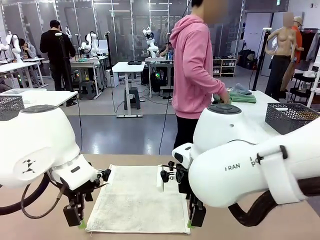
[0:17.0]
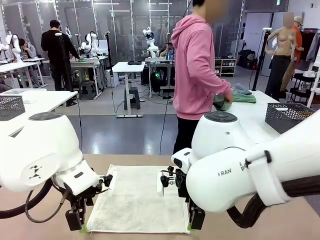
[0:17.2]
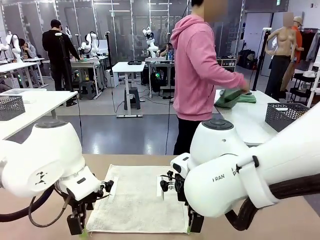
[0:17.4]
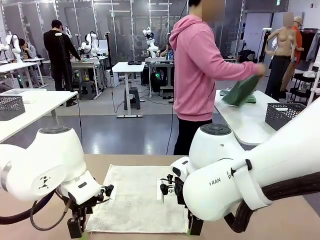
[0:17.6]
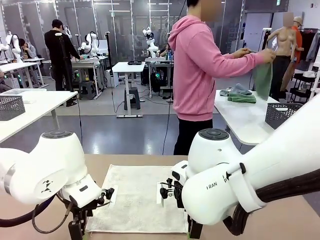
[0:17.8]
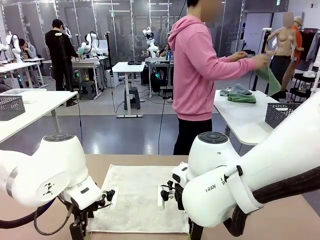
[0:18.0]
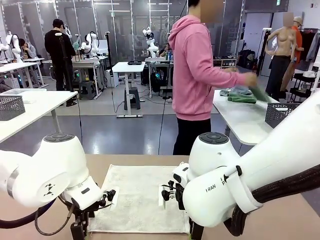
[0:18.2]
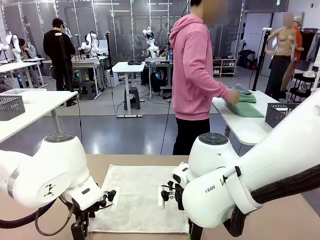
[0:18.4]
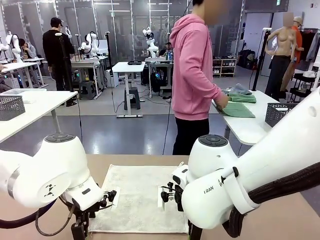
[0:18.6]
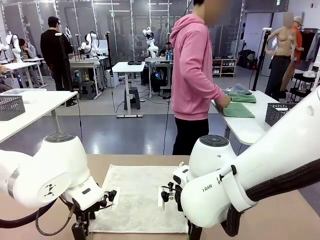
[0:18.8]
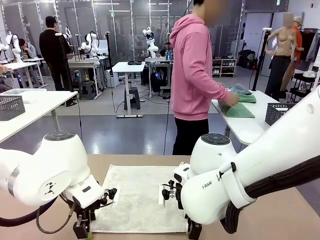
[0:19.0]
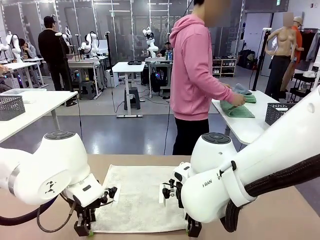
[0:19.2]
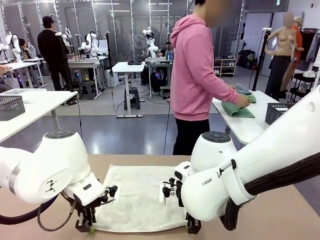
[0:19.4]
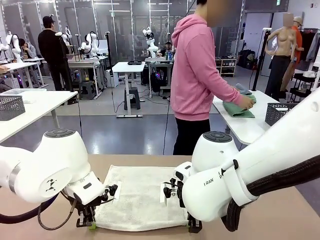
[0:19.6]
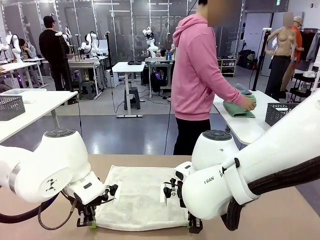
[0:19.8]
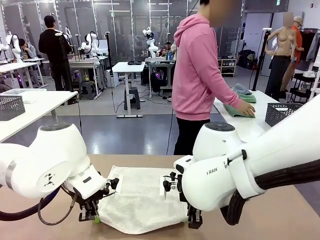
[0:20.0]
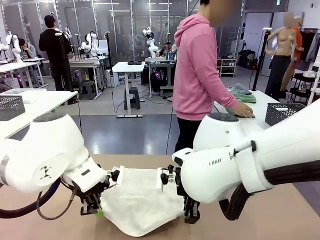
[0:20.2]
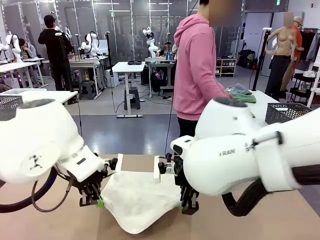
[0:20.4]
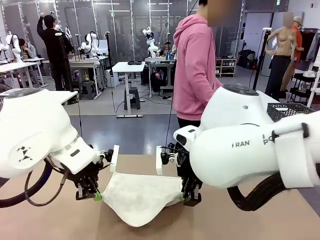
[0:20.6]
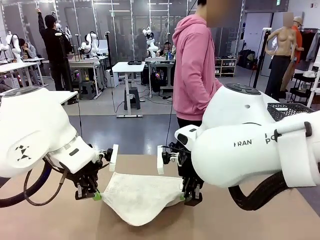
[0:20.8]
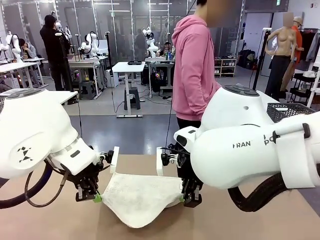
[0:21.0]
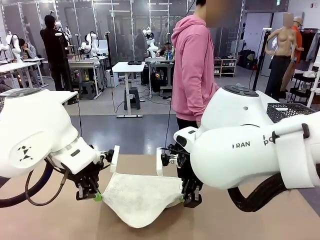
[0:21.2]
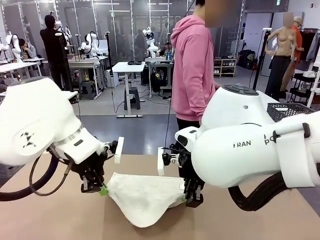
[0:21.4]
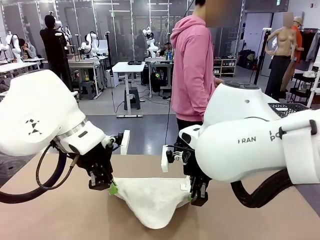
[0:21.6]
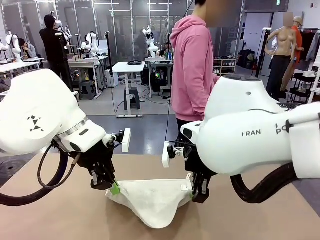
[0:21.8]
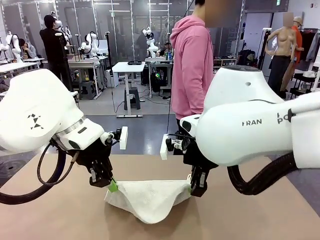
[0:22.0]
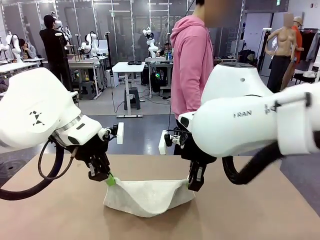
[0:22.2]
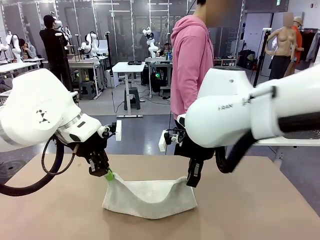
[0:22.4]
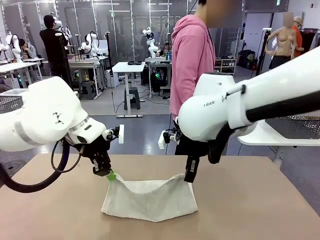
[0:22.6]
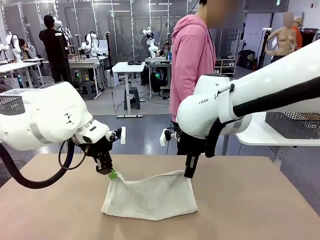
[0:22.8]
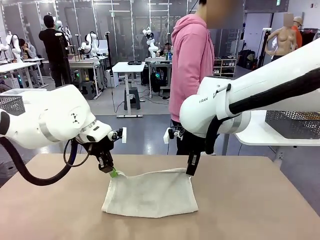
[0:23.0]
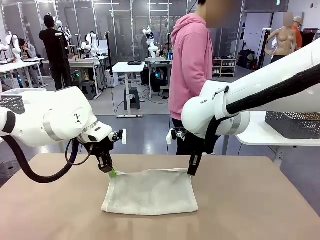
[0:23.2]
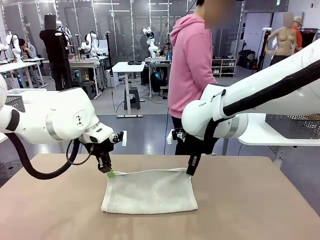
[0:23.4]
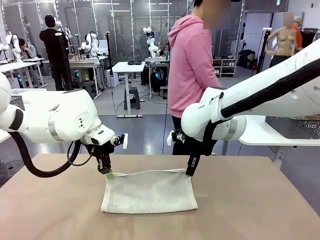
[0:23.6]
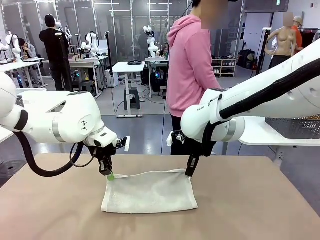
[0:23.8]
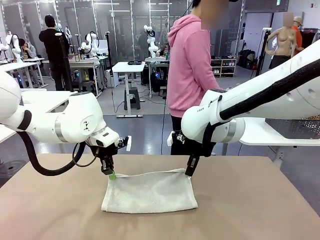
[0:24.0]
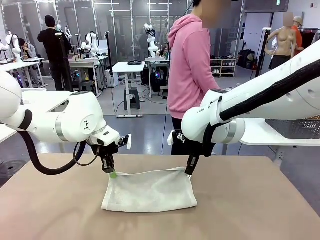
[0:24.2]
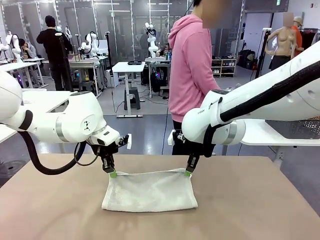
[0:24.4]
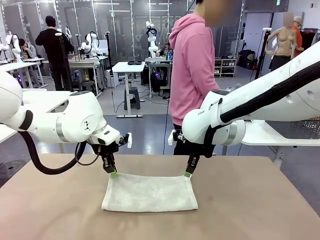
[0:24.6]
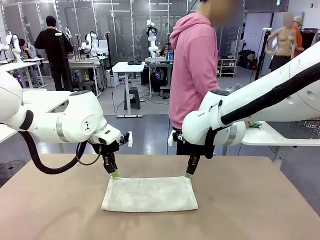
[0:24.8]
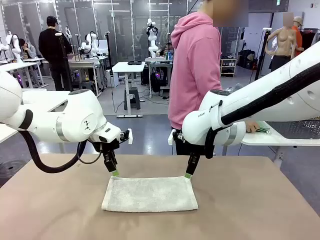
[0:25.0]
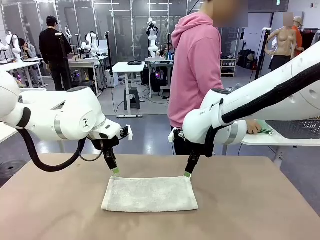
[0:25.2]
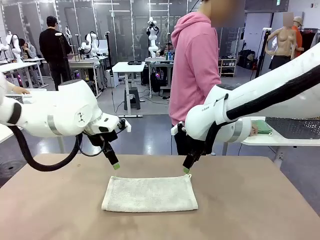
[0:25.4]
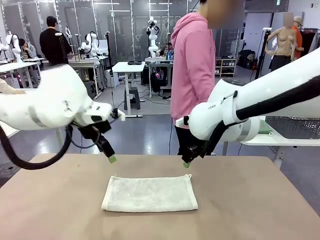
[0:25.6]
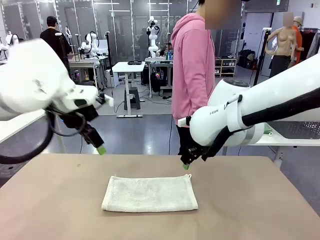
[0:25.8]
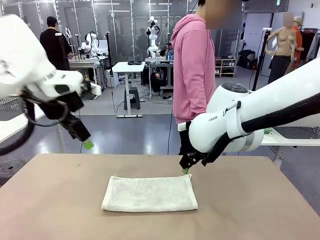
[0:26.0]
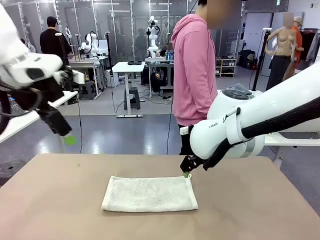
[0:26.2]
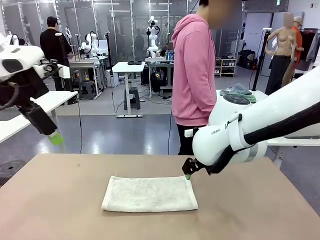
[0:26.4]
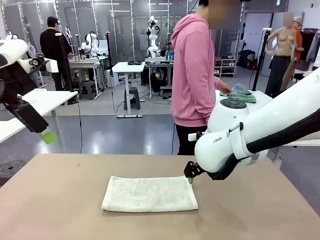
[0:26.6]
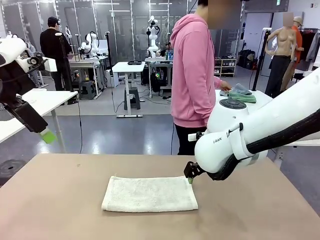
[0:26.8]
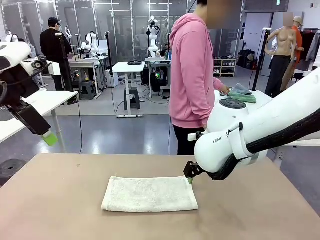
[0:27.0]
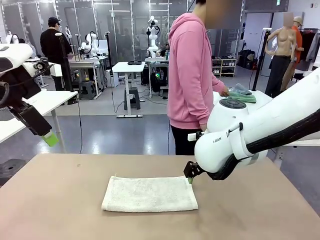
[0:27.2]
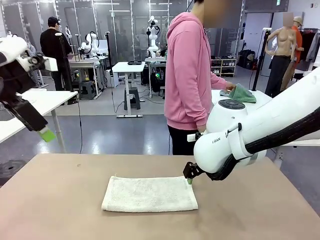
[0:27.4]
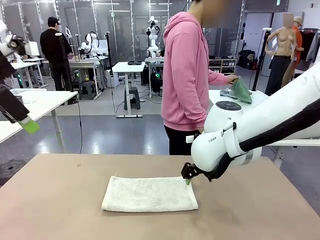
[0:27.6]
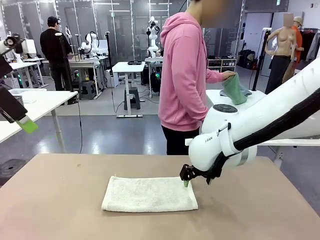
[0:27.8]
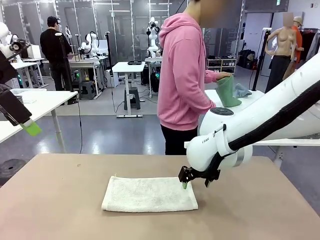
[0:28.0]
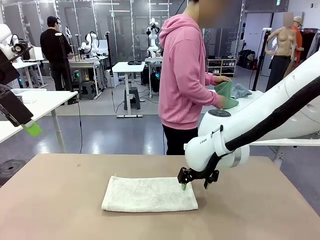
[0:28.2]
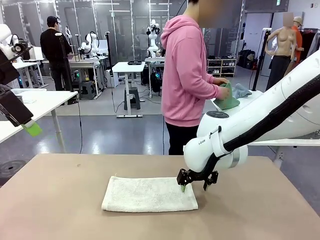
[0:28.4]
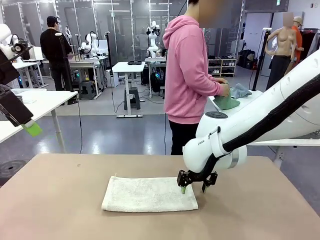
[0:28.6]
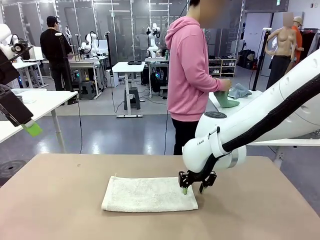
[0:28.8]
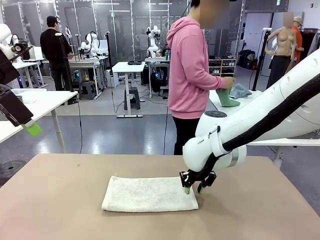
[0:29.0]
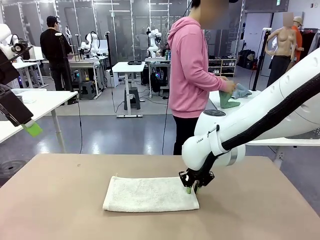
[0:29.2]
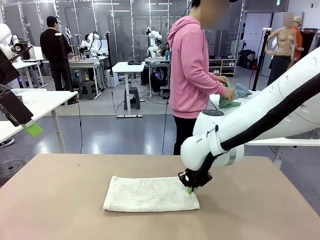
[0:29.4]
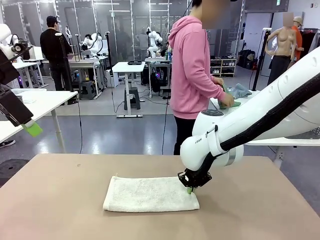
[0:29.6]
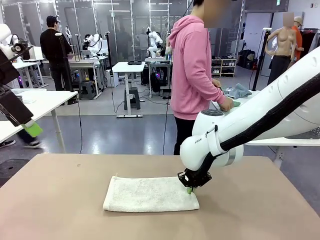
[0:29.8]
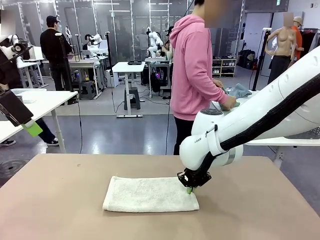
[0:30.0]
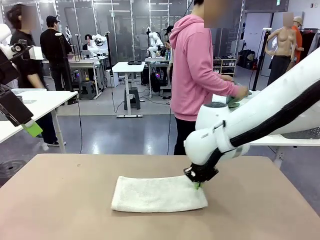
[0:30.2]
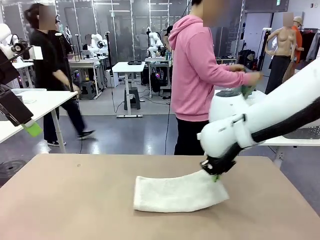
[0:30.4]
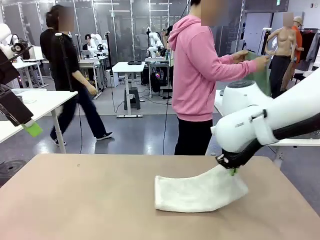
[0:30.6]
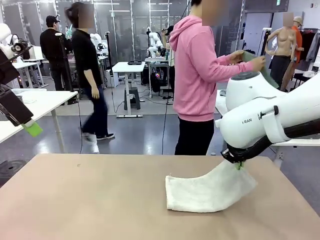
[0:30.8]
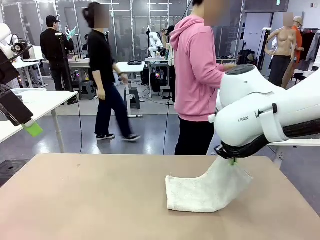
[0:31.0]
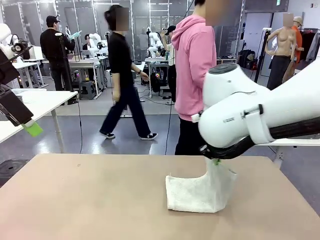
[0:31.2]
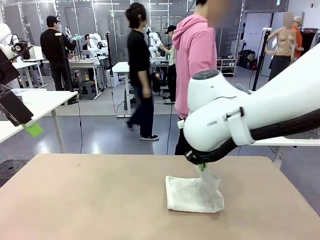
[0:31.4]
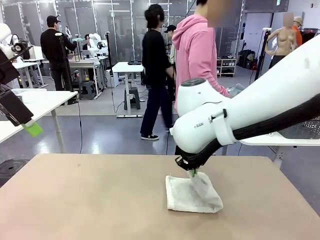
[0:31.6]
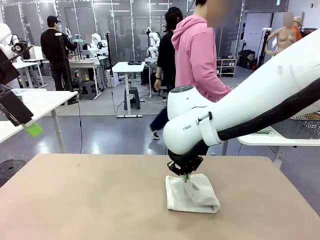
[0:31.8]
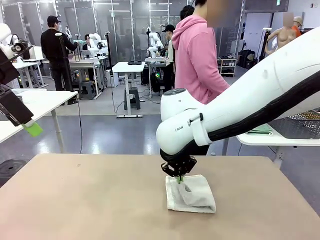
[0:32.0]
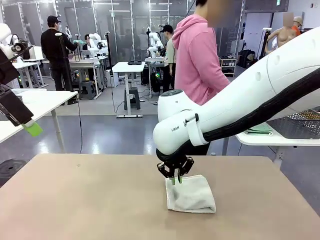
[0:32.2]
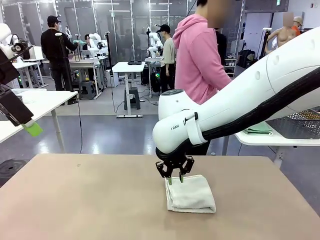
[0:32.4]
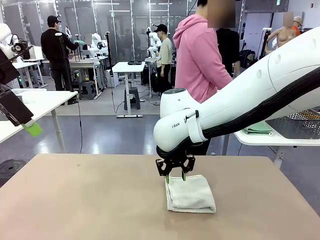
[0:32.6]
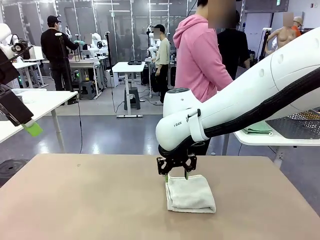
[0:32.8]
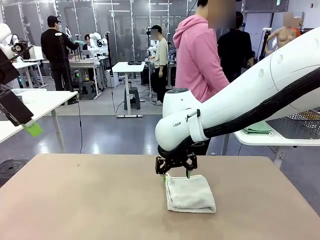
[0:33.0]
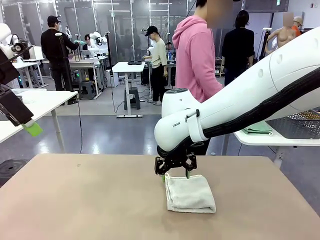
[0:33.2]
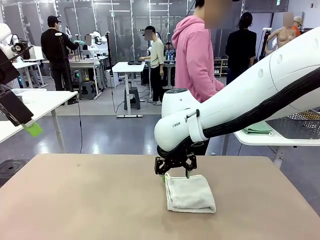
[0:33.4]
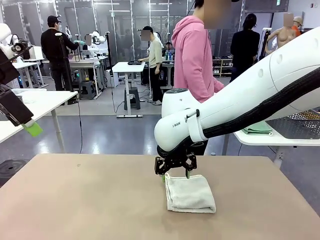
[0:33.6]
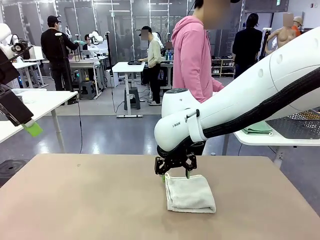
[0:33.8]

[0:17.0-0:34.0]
Task: Fold the towels and place them in the basket.
Robot: When a person lays out a Towel with hook on the table, fold it in half twice.
Person: Pick up one towel from the left side of the human table, fold it in half twice, and place it on the right side of the table. Pick up one towel from the left side of the human table, fold it in half twice, and stack it on the right side of the table.
